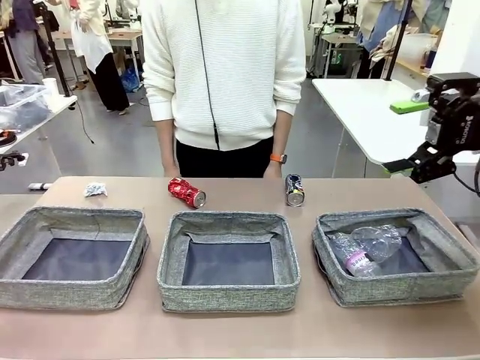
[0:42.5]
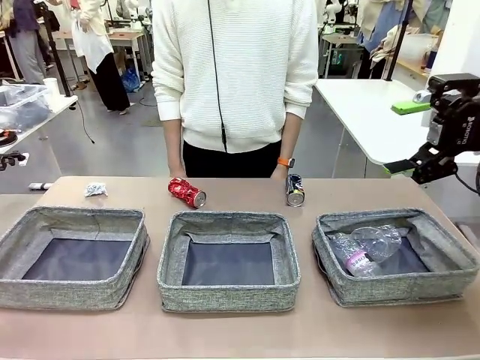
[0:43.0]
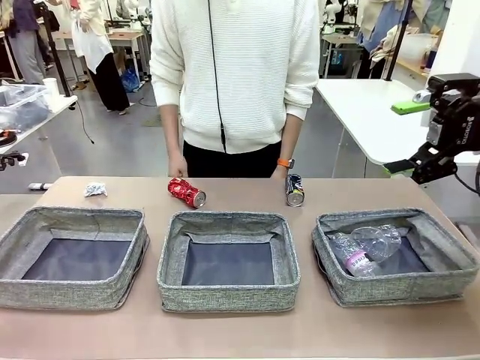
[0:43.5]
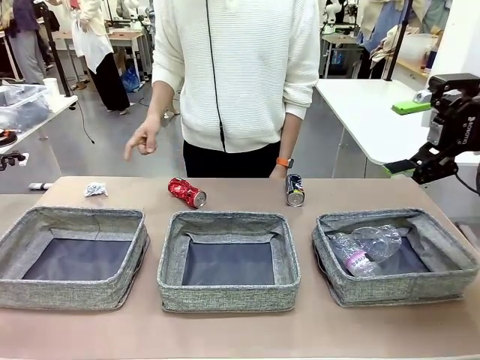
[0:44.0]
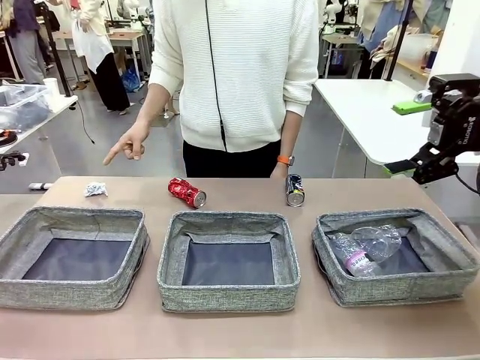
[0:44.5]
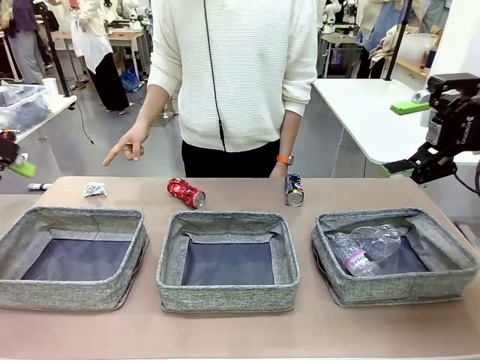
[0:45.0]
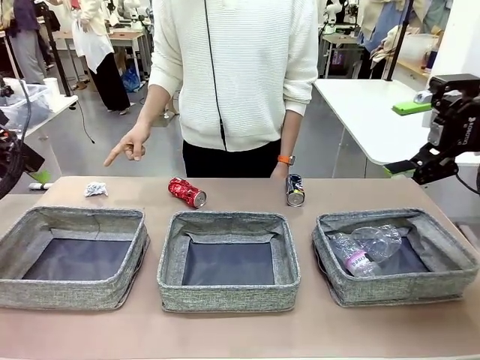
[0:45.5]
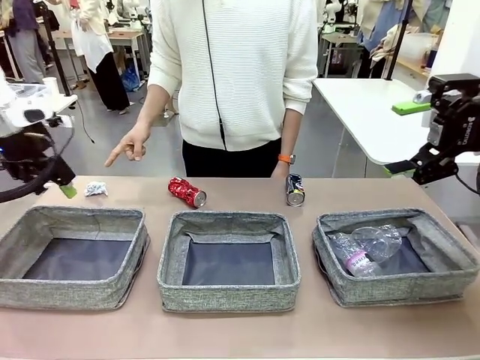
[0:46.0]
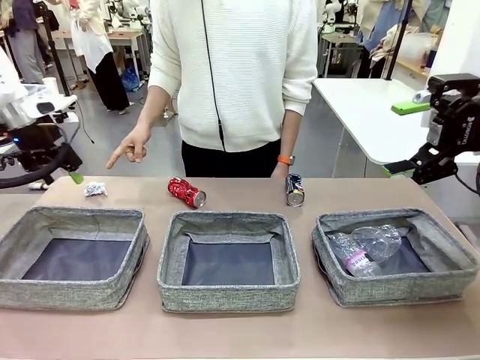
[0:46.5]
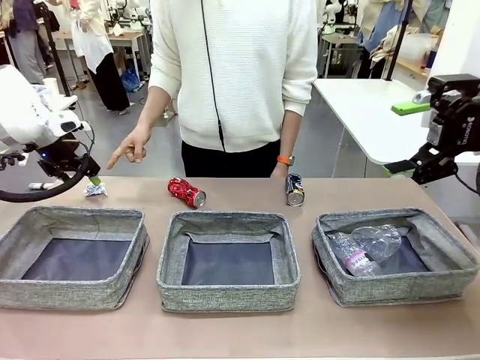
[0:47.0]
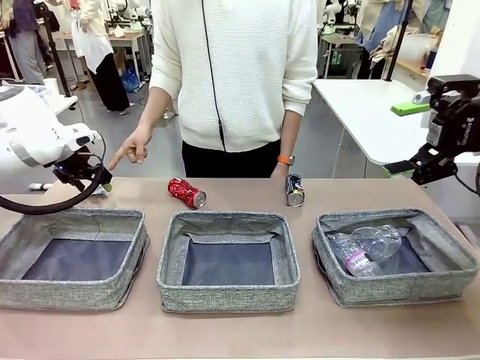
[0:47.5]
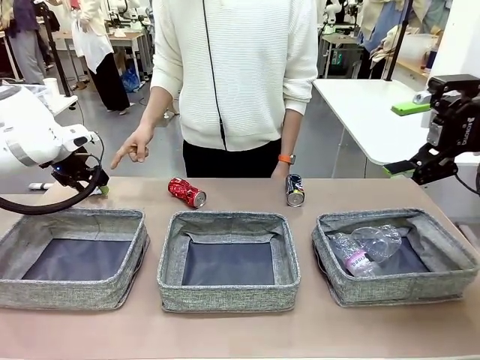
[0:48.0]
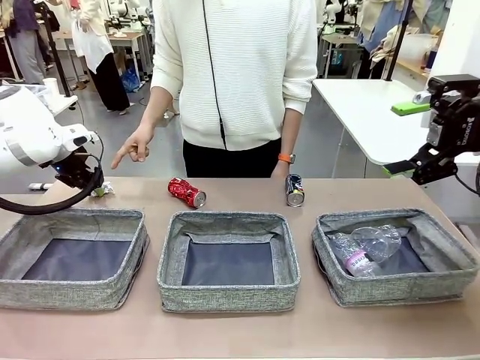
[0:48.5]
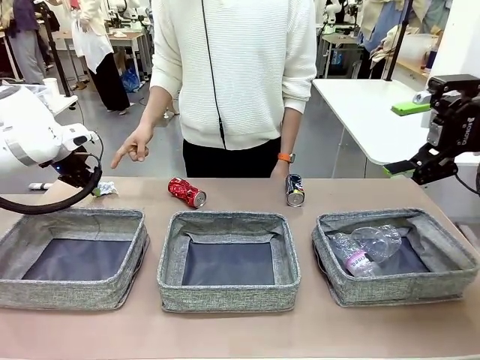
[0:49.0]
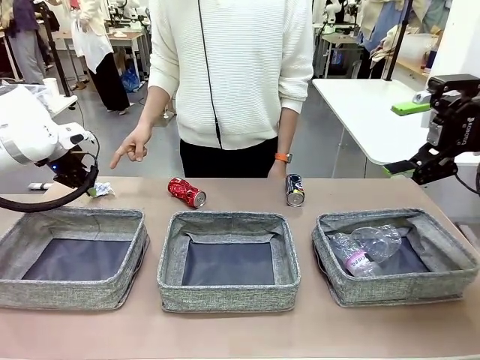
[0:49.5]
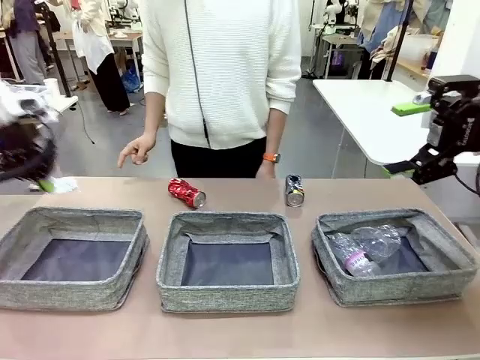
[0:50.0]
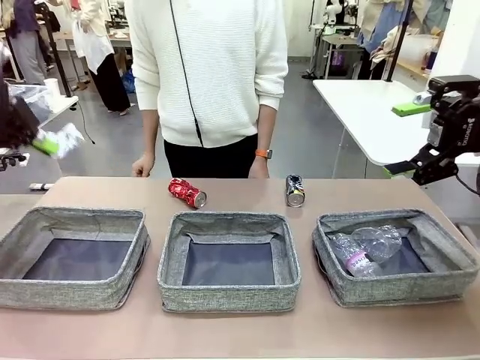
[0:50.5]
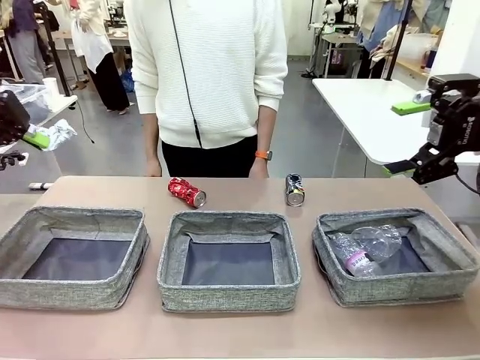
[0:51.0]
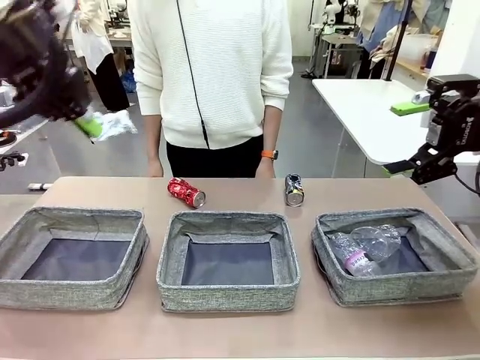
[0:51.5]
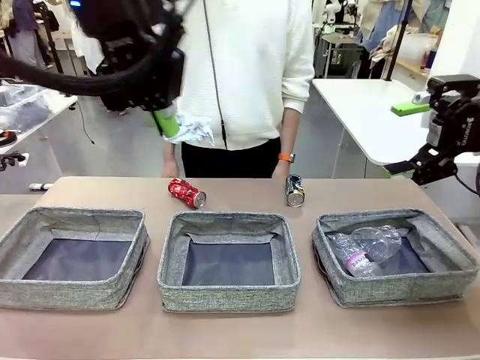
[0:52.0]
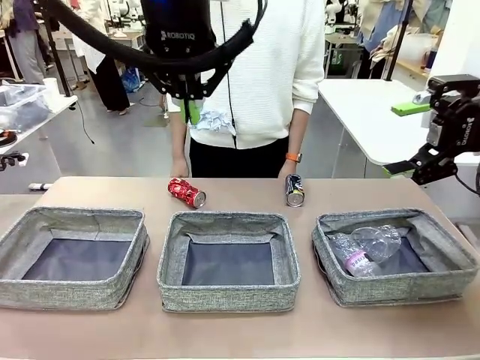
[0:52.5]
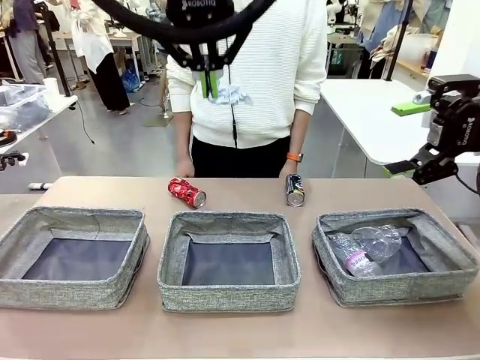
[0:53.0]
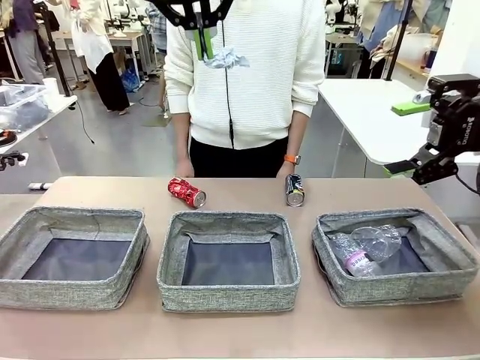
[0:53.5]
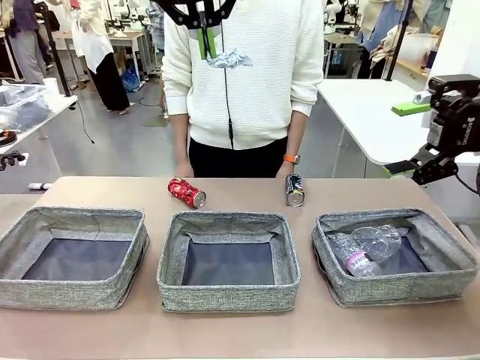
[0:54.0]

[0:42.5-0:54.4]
Task: Sort the waste into the appropriate baskets.
Robot: Pick up the waste item pointed out by the person.
Person: Points to one piece of trash on the table.

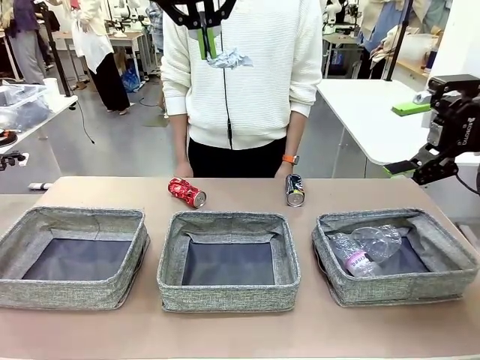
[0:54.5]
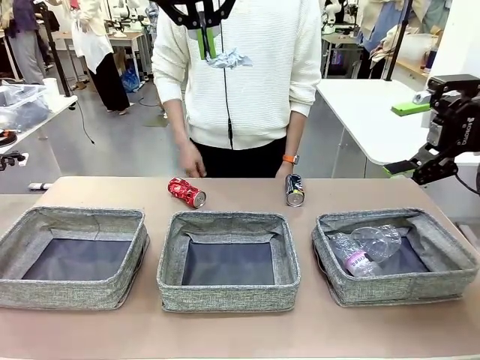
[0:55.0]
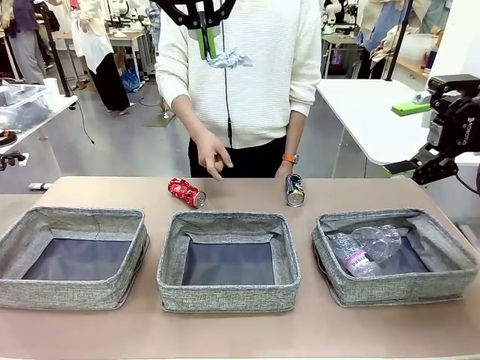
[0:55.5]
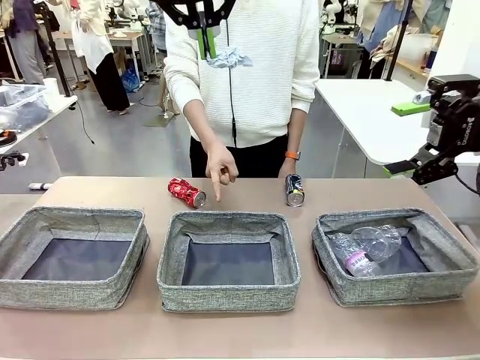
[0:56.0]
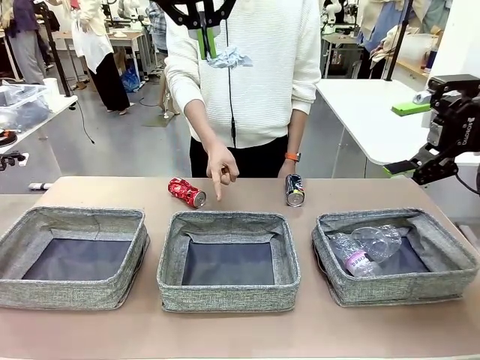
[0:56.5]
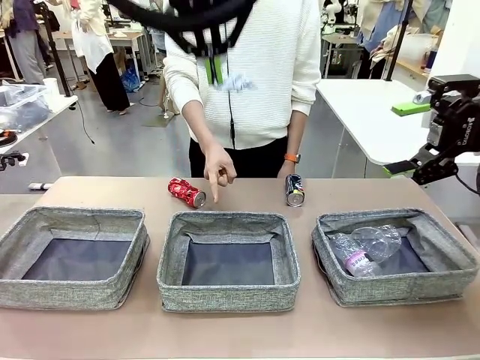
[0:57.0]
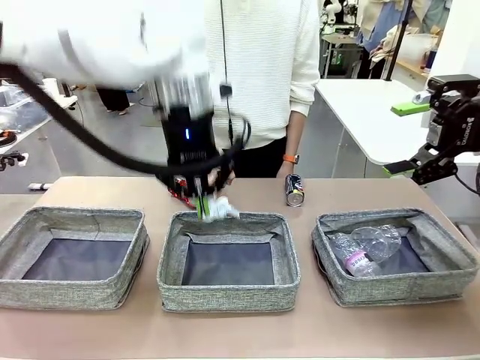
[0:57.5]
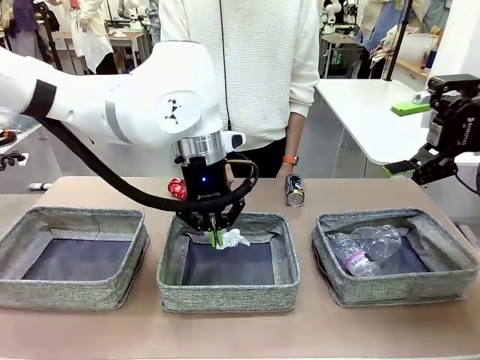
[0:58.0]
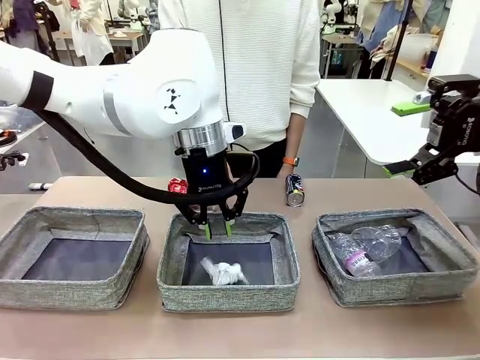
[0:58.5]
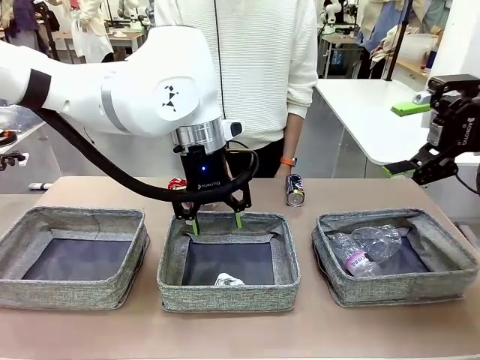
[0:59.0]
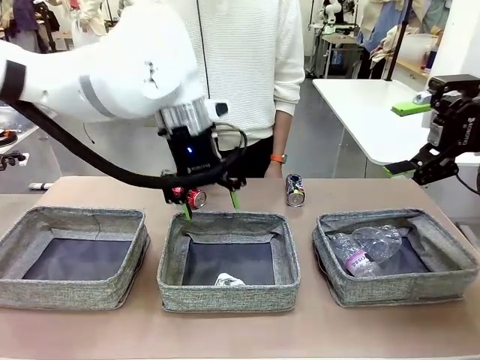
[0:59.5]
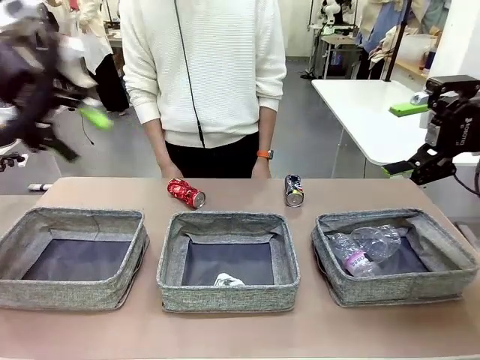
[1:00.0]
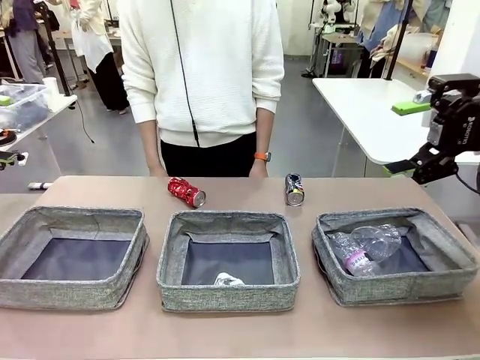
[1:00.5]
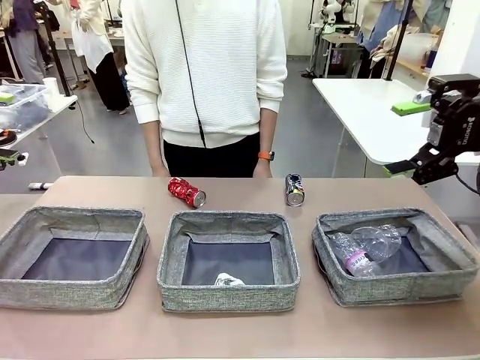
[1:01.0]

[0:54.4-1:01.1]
Robot: Place the picked waste into the Fabric basket indicated by the person.
Person: Instructs the robot to place the picked-up trash into the appropriate organizing basket.

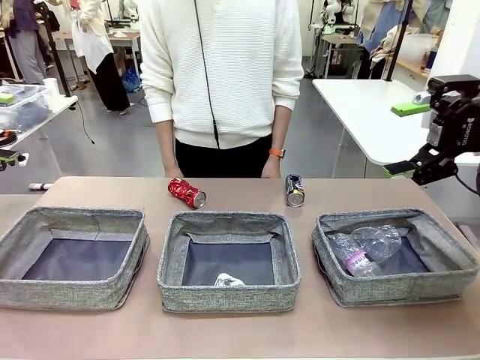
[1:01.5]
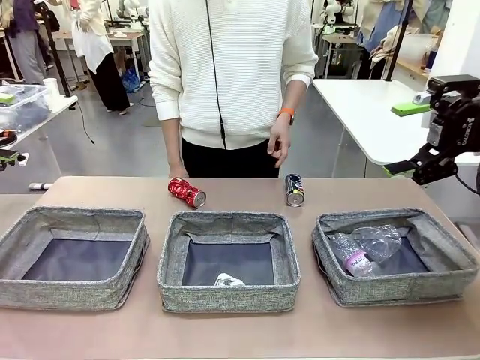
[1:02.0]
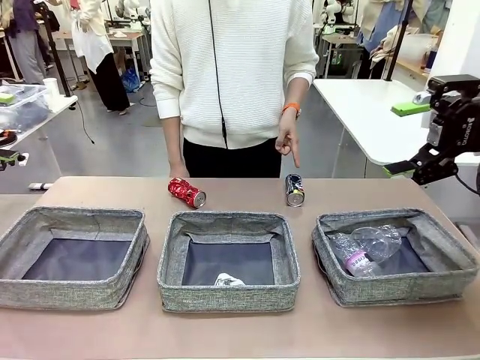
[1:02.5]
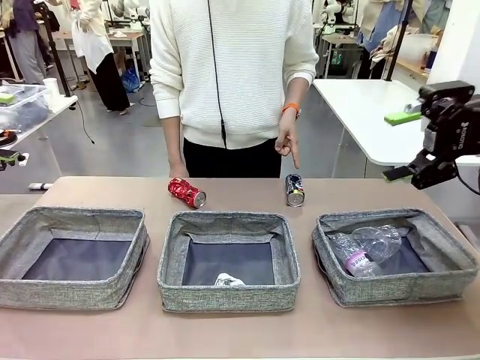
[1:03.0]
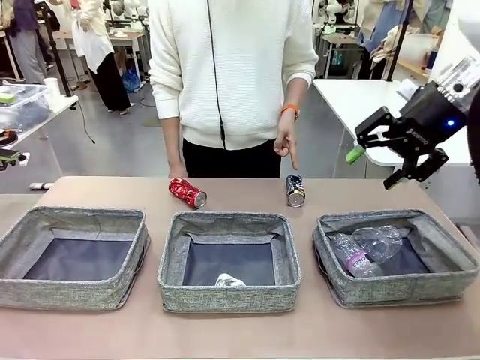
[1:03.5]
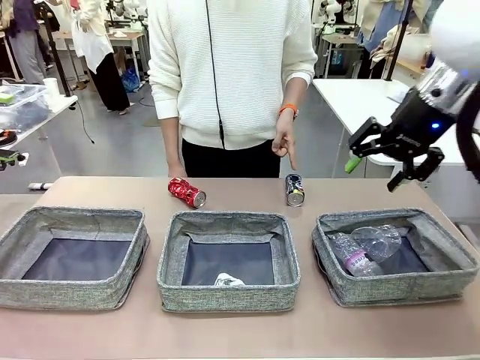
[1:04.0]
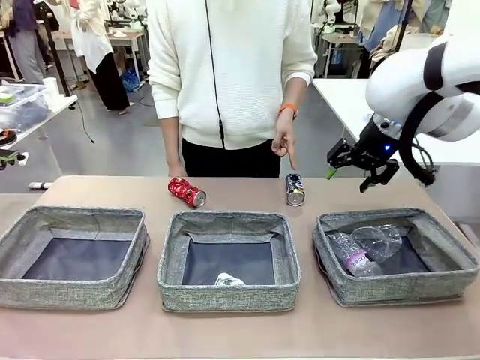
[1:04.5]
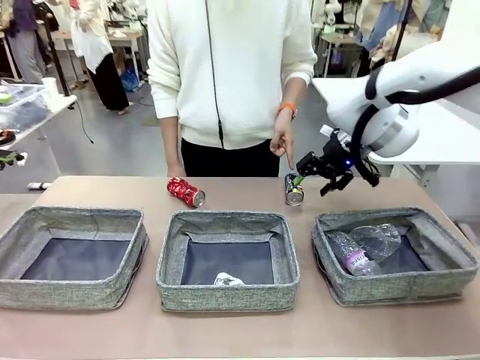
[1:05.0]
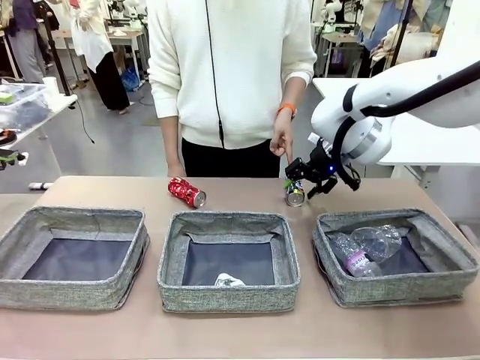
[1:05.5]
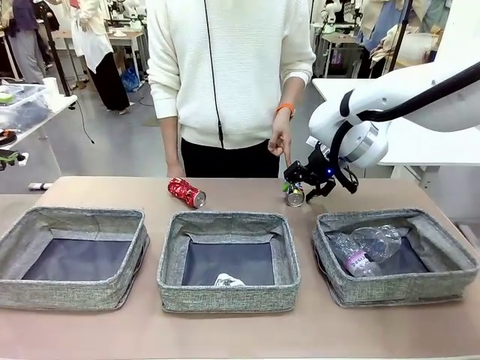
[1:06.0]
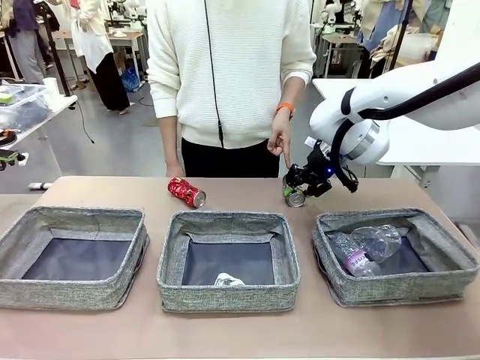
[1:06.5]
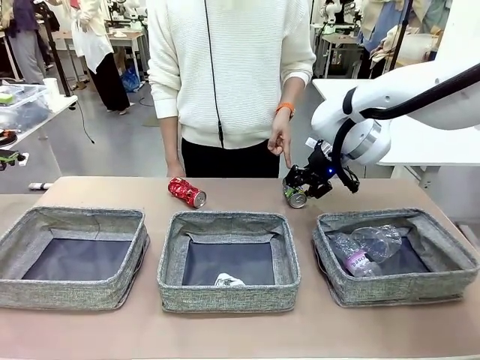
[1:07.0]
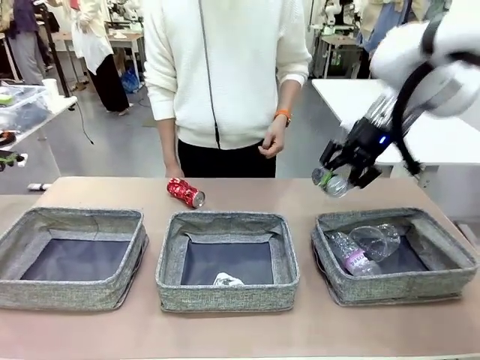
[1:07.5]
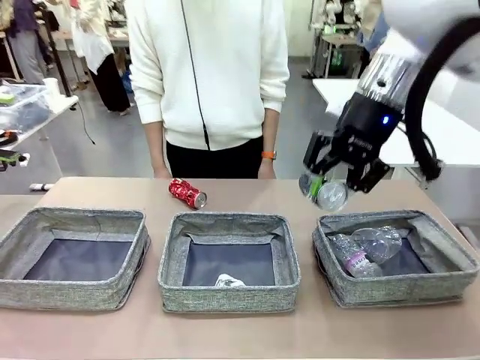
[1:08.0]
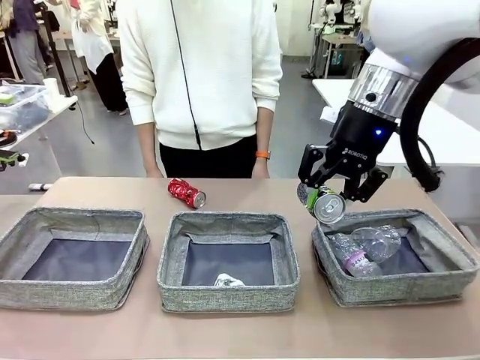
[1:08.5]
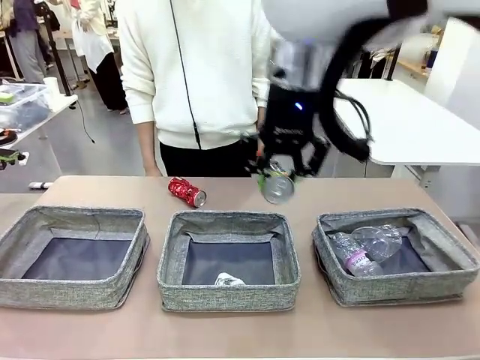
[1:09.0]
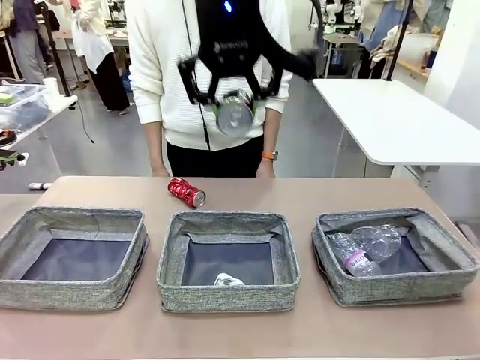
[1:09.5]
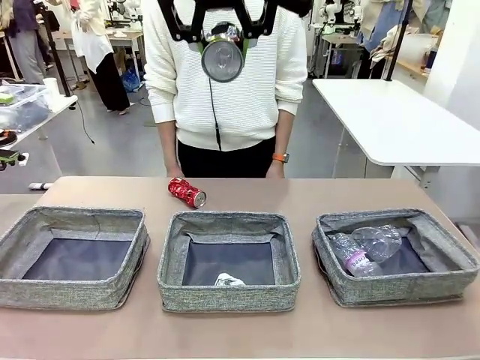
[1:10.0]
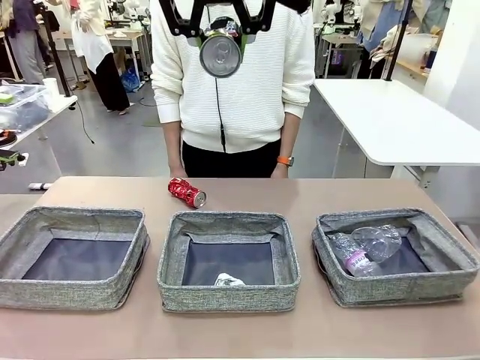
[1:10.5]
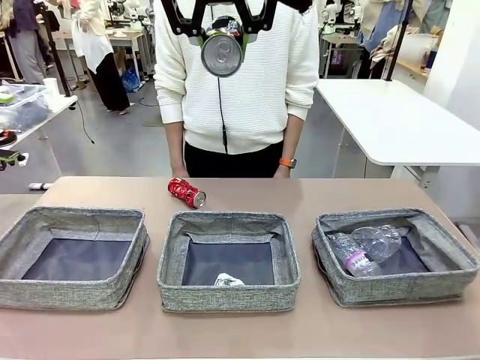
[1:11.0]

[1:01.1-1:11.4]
Robot: Pick up the waste item pointed out by the person.
Person: Points to one piece of trash on the table.
